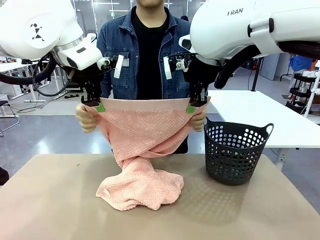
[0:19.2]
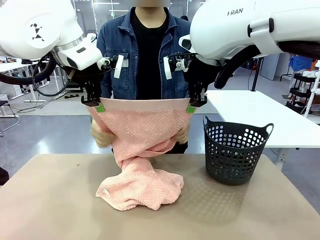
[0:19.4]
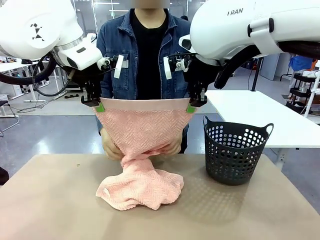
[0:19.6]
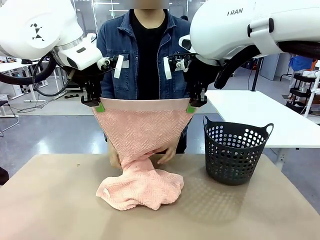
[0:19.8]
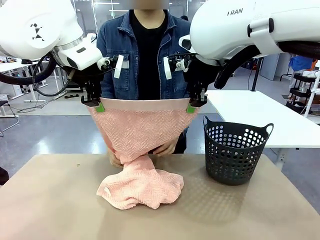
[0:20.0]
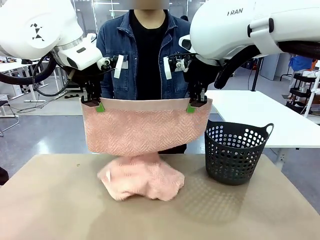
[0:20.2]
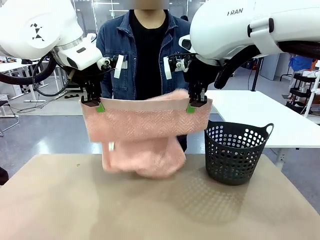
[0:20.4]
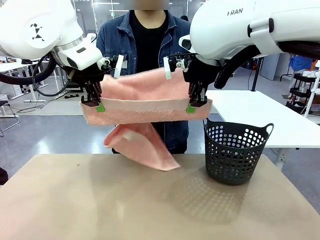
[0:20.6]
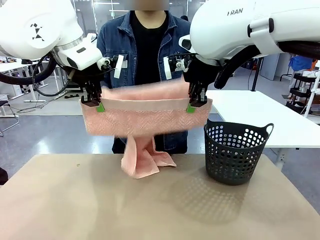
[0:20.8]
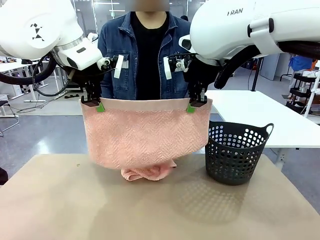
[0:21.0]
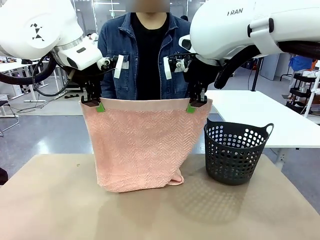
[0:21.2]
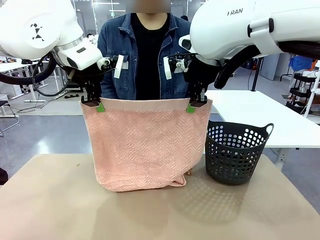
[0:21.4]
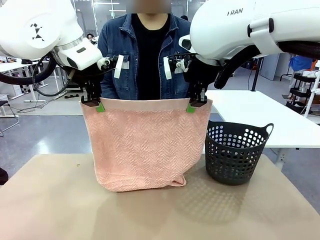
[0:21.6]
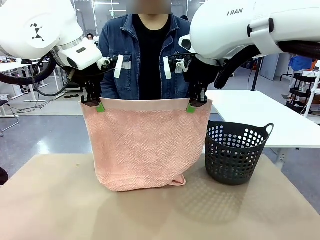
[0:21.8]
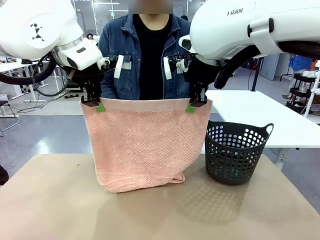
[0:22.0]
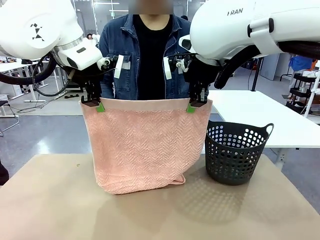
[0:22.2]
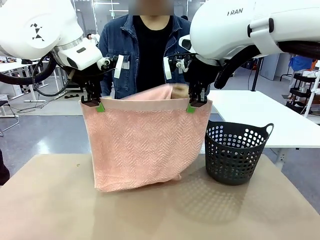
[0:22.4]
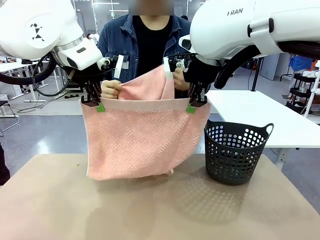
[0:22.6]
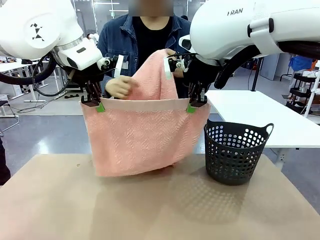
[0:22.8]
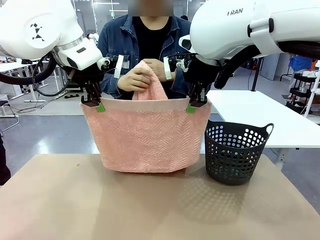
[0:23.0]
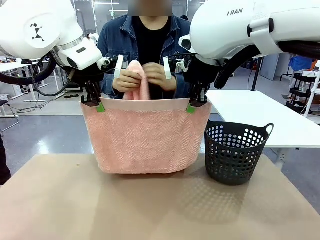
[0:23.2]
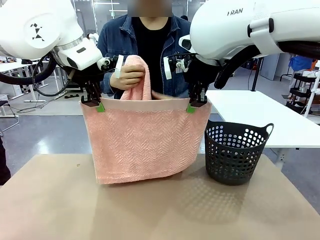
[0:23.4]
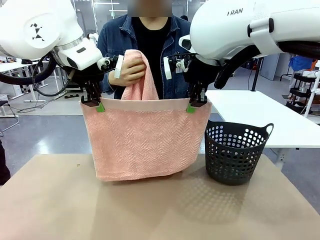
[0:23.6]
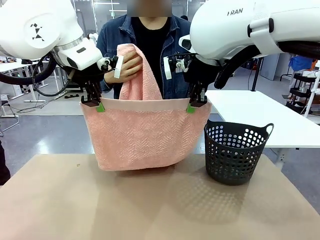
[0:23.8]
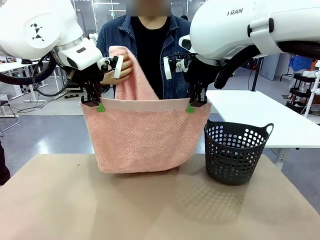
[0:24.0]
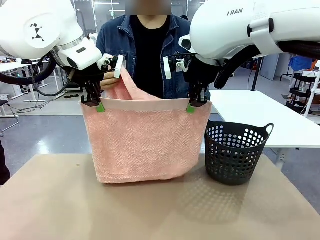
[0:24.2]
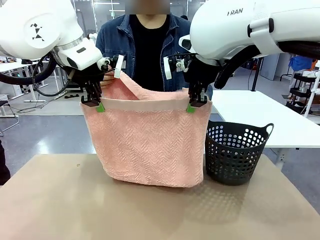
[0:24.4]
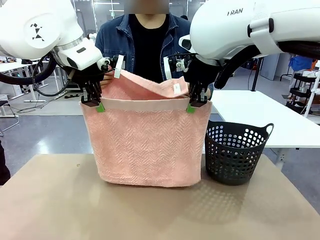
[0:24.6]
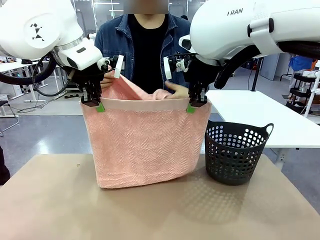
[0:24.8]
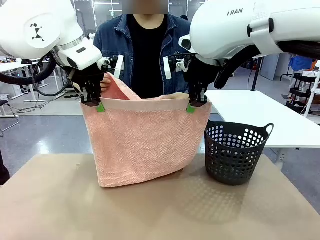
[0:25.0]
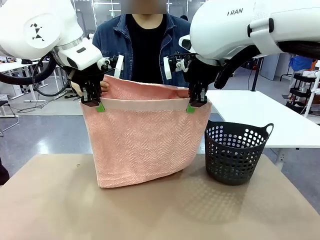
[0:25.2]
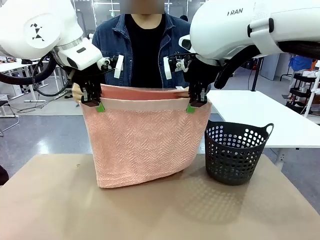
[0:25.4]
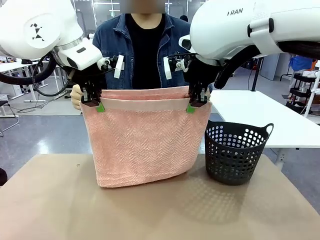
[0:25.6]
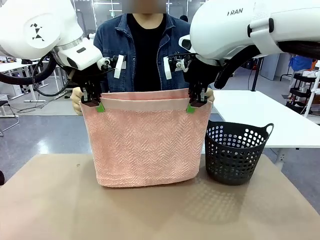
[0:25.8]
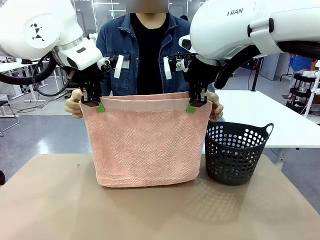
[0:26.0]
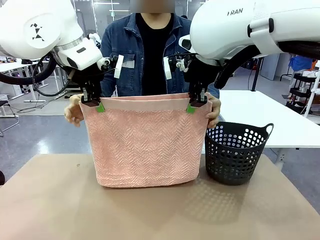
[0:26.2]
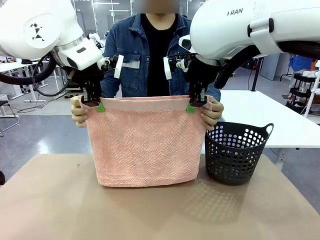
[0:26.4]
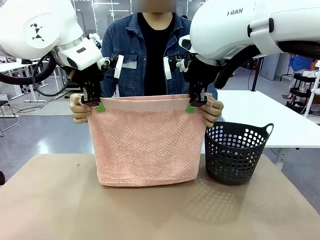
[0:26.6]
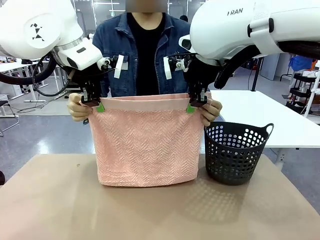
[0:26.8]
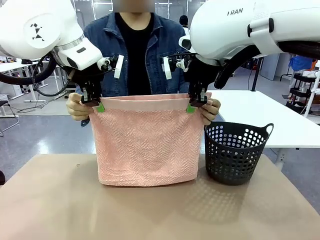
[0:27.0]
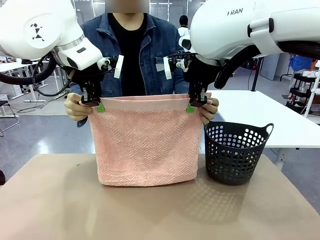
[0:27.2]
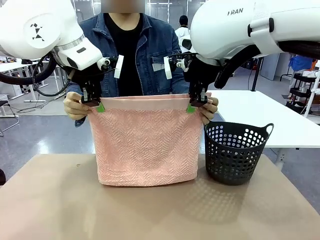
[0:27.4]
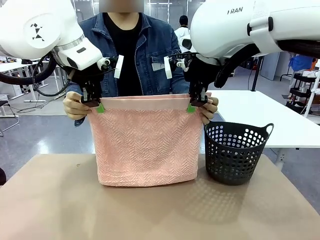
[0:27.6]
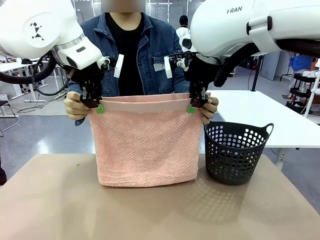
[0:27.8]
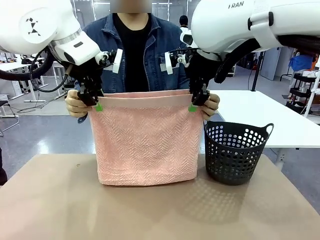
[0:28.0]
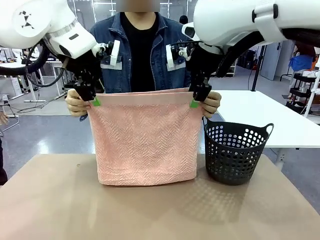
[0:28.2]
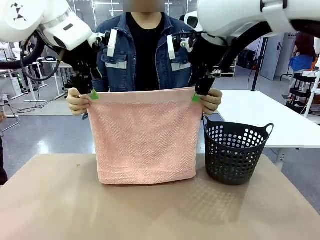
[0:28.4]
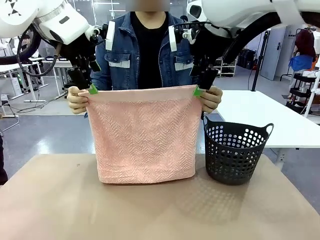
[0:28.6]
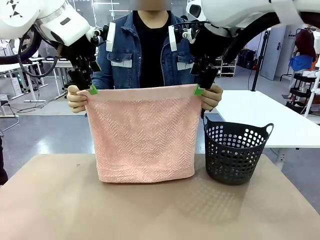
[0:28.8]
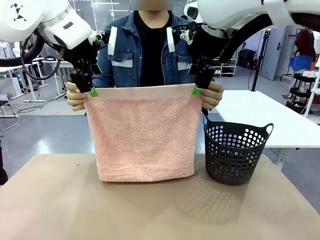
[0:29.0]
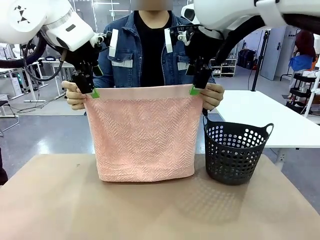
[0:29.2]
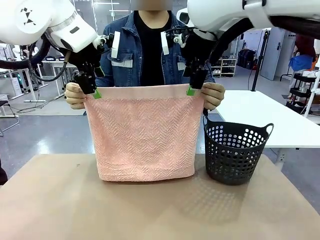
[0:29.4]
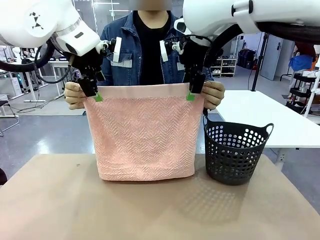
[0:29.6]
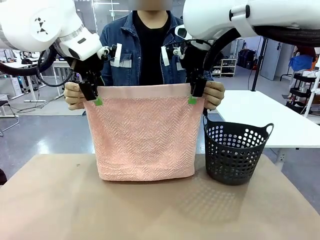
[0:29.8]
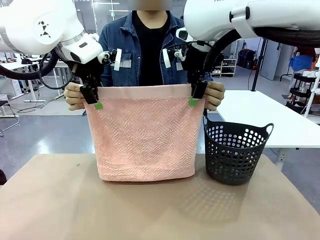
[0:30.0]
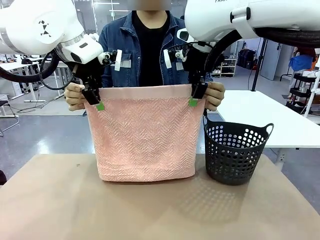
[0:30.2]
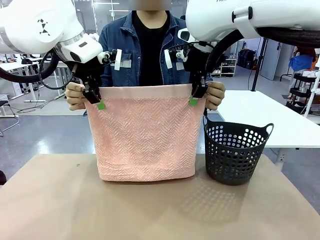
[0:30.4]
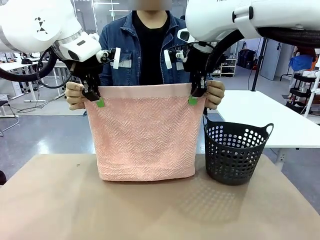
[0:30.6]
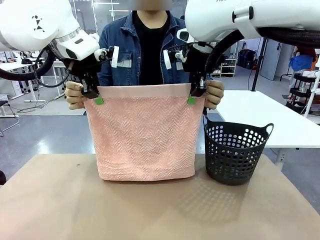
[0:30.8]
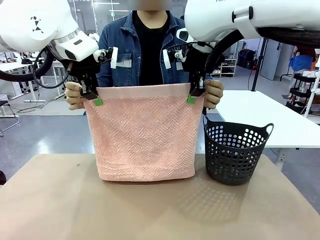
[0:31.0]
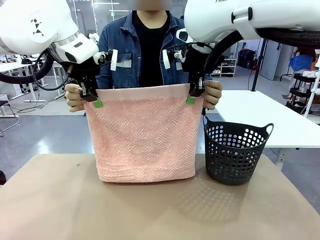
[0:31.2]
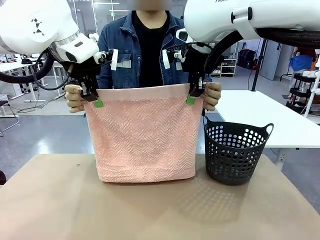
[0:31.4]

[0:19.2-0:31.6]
Task: Fold the towel.
Robot: Release the end of the 100 cm Hotel Towel you were holding and grab the top end of the folded side.
Person: Using the point held by the robot as a reference, grasp the opposite end, fold the towel in half, and then hold both ends of the folded towel.

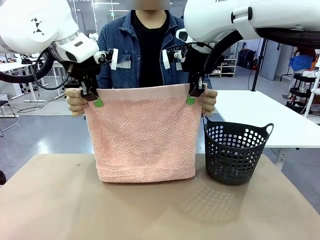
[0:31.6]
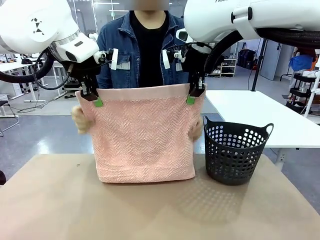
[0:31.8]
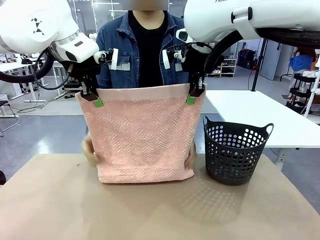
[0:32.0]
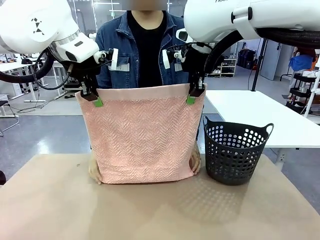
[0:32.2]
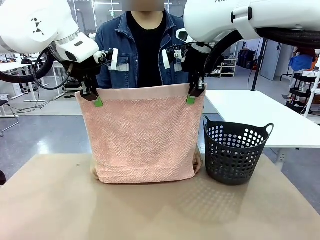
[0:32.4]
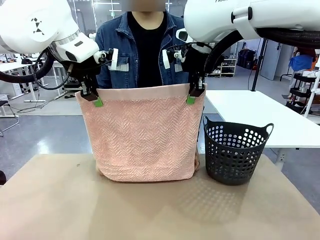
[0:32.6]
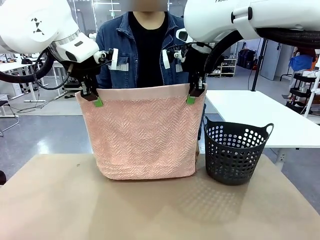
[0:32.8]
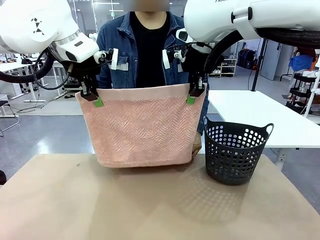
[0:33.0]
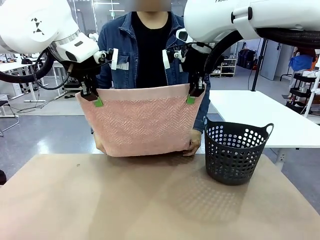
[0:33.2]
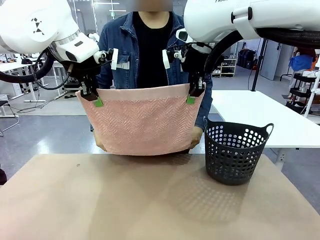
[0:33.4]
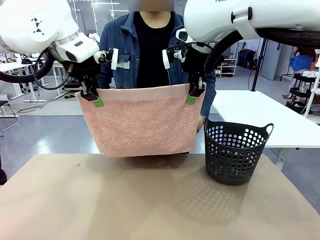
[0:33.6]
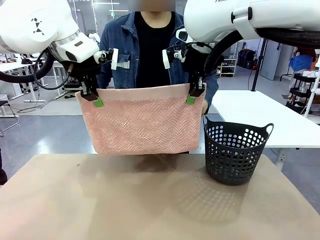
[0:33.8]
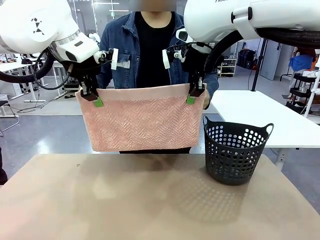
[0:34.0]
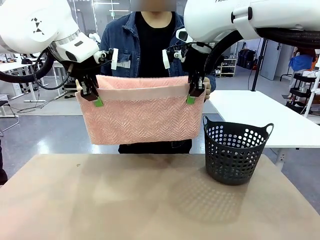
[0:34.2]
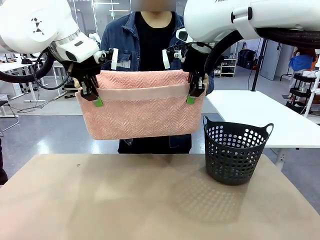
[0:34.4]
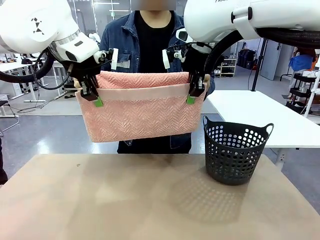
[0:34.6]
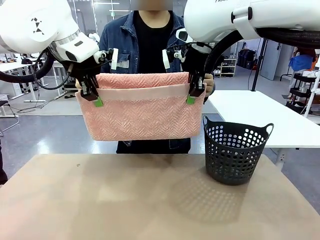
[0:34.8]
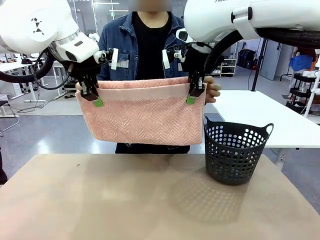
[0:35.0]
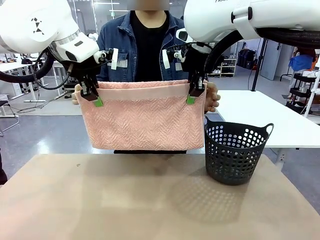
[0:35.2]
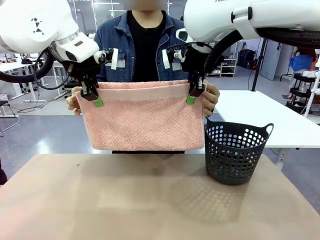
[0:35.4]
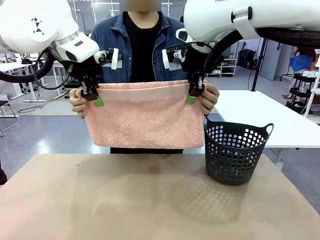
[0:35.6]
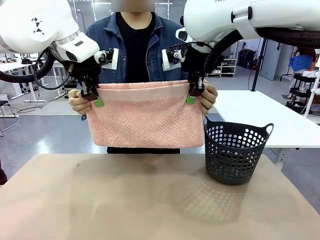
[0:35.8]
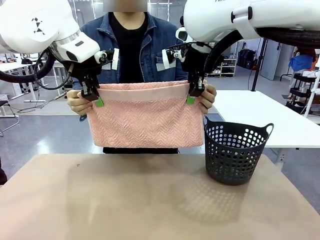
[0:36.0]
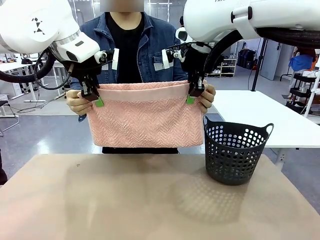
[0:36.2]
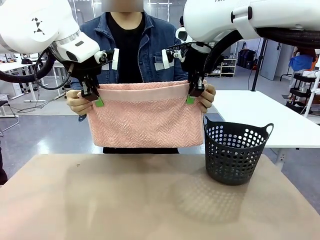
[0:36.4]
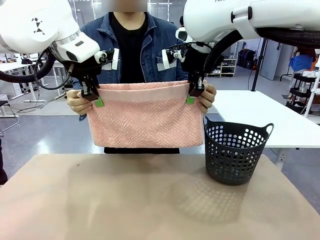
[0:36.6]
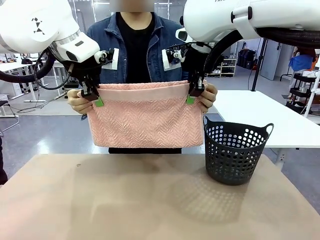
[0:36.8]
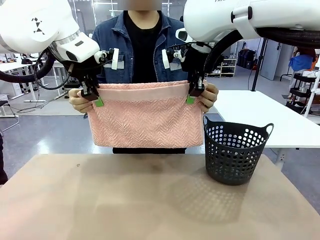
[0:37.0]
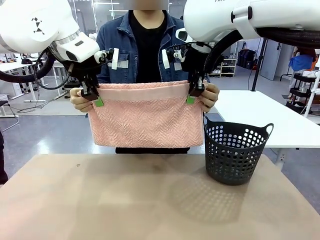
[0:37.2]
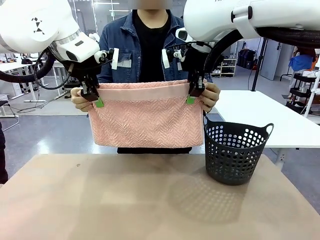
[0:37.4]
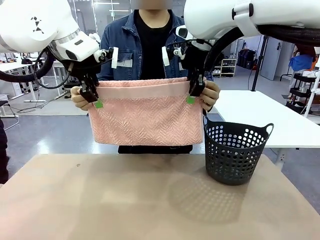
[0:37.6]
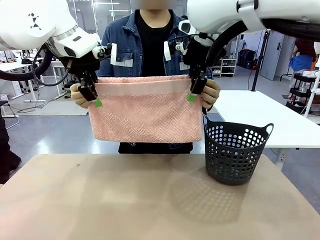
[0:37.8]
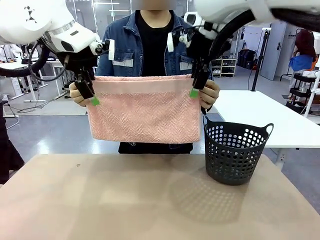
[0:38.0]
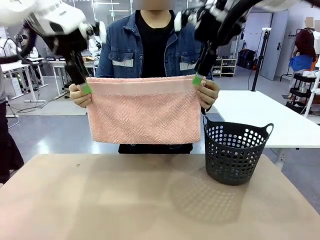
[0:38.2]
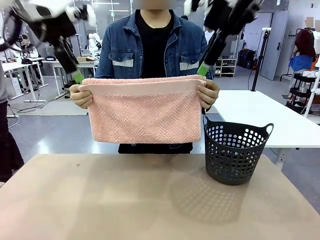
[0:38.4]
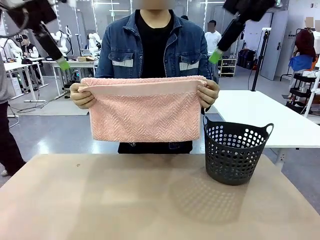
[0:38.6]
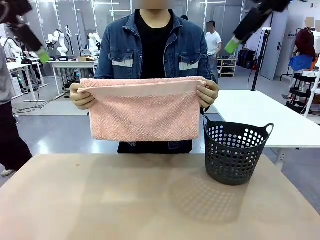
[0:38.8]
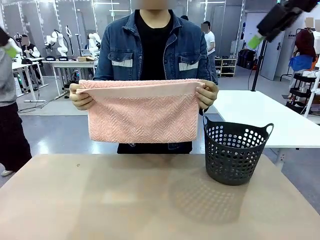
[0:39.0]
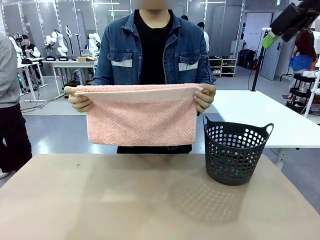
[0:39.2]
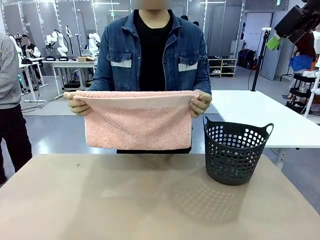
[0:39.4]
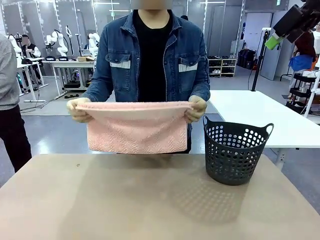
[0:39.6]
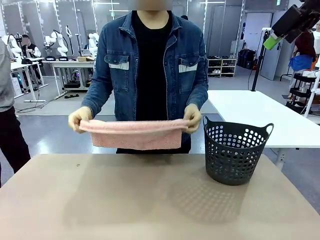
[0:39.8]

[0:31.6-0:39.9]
Robot: Release the end of the 100 cm Hotel Towel you were holding.
